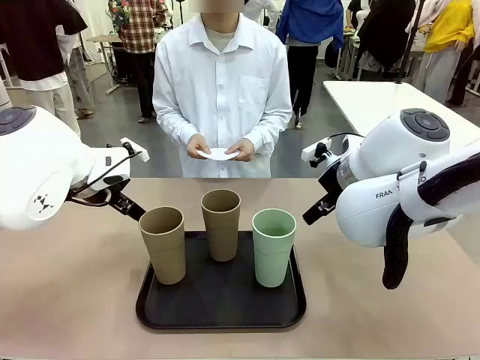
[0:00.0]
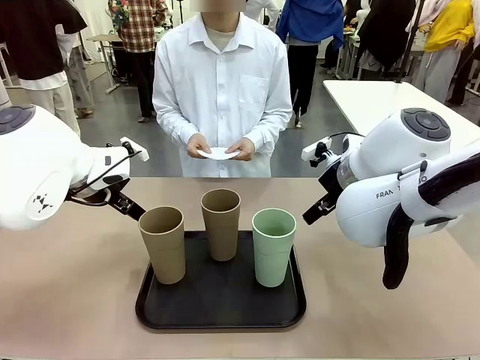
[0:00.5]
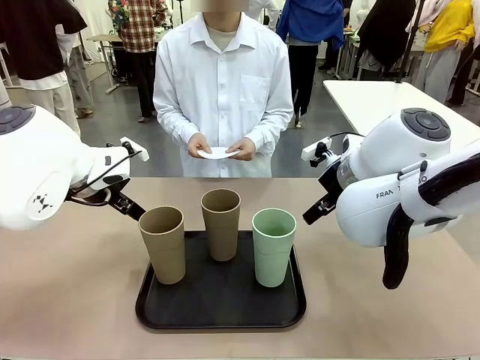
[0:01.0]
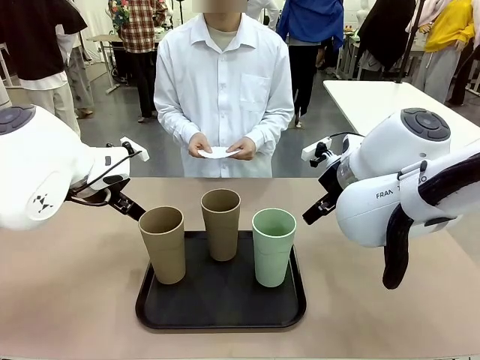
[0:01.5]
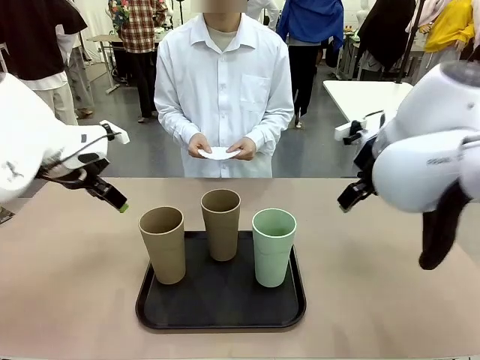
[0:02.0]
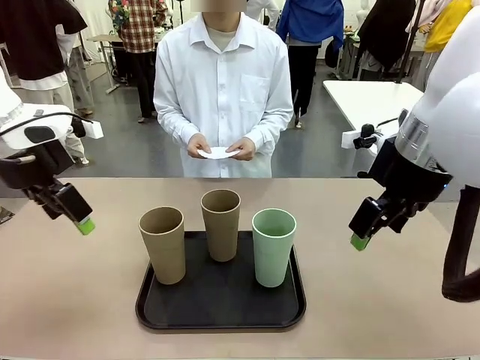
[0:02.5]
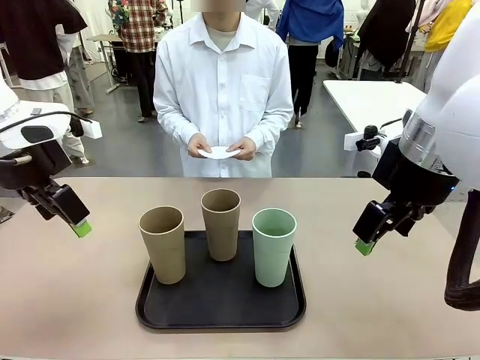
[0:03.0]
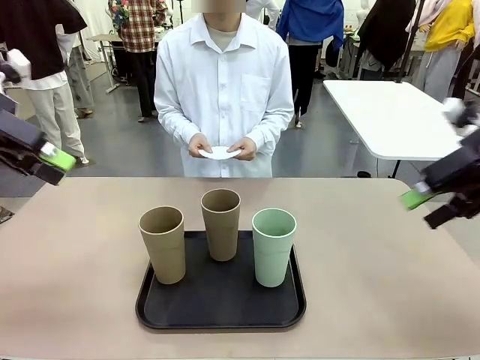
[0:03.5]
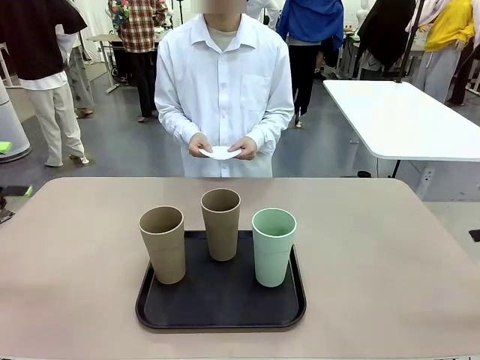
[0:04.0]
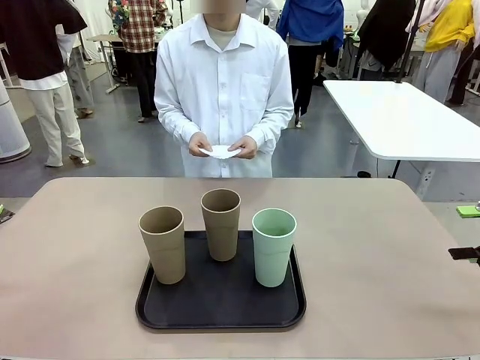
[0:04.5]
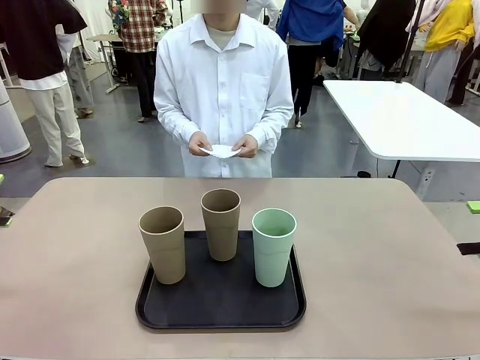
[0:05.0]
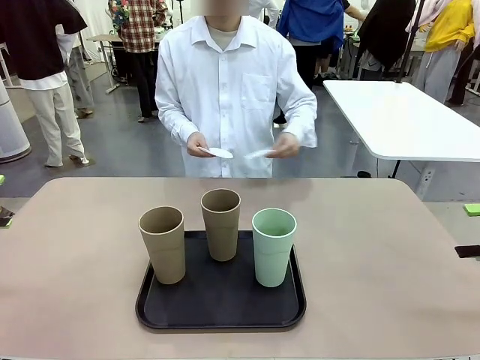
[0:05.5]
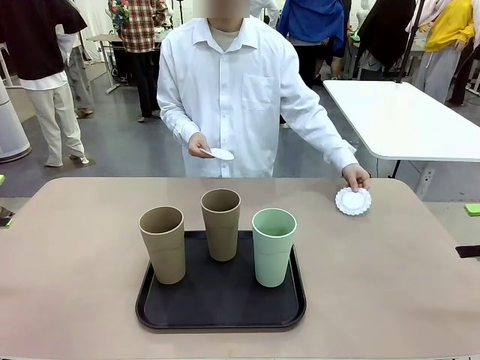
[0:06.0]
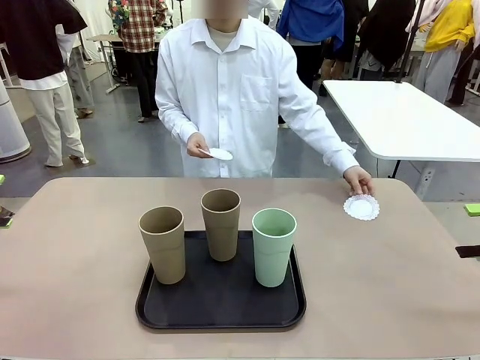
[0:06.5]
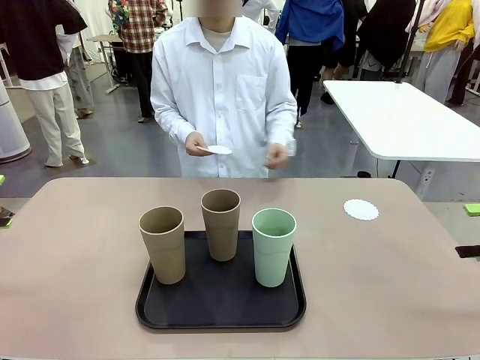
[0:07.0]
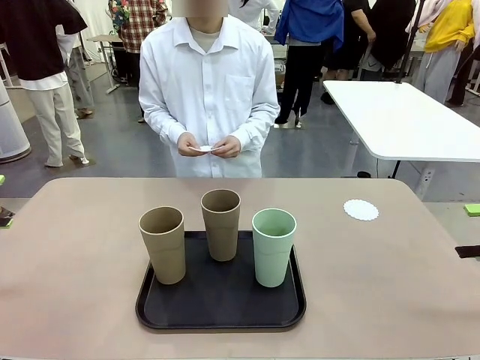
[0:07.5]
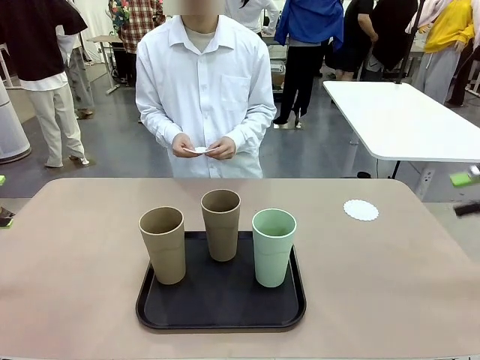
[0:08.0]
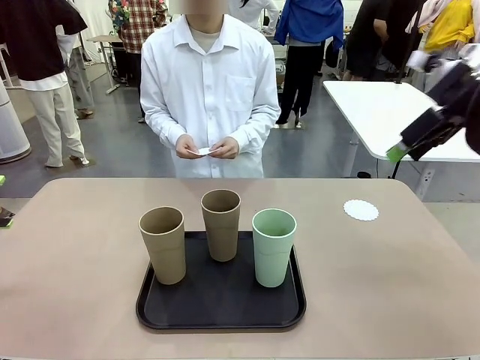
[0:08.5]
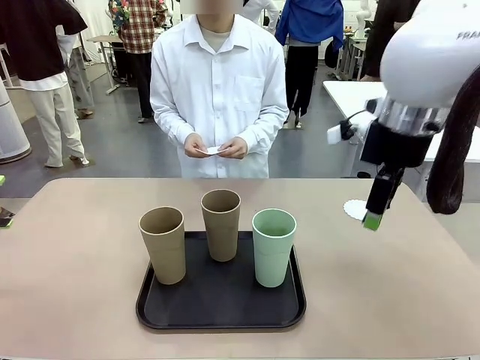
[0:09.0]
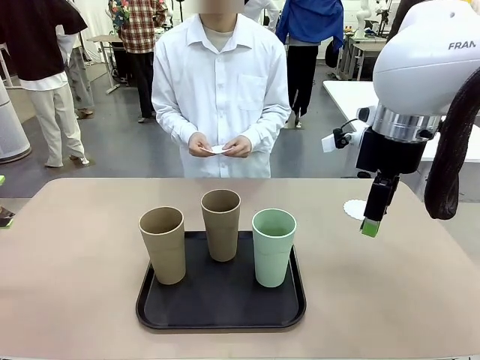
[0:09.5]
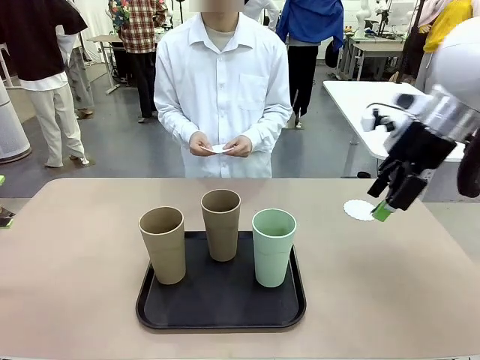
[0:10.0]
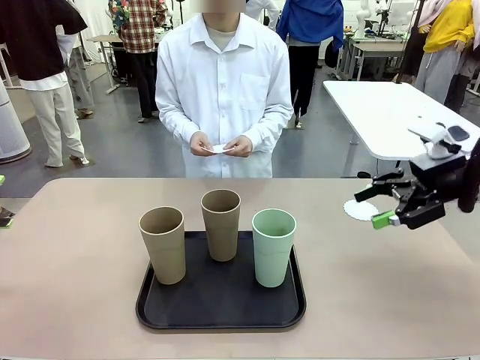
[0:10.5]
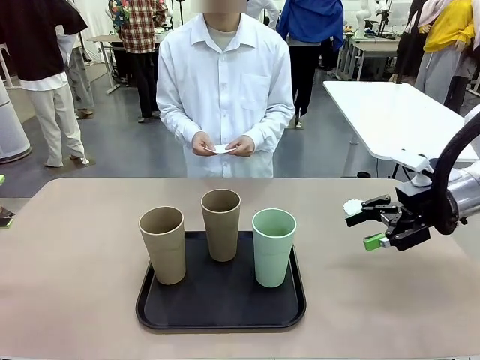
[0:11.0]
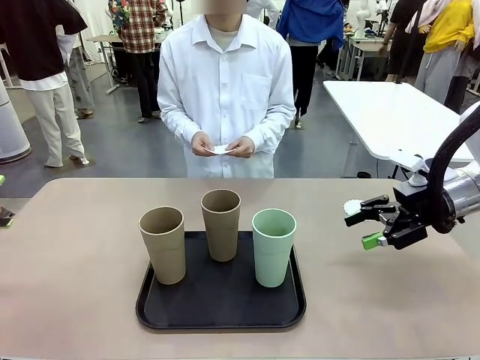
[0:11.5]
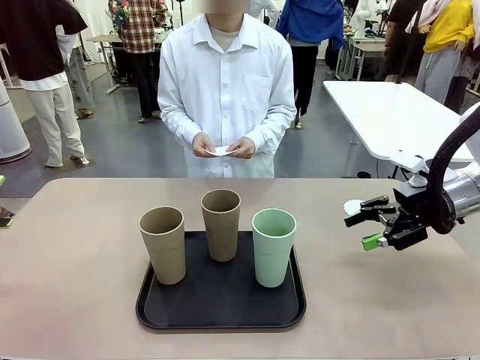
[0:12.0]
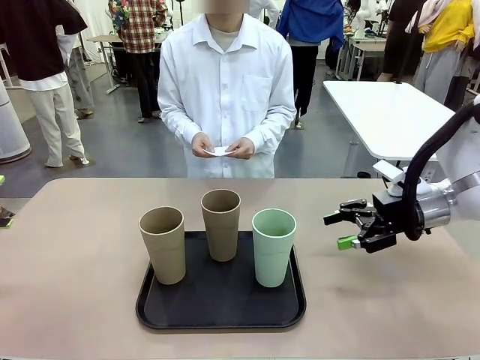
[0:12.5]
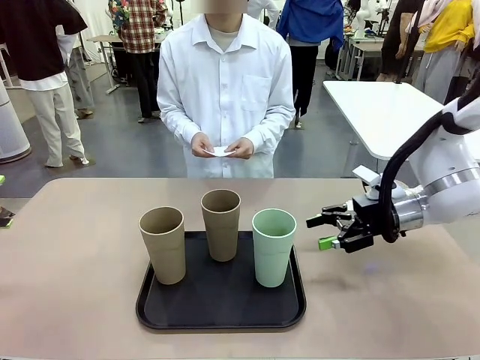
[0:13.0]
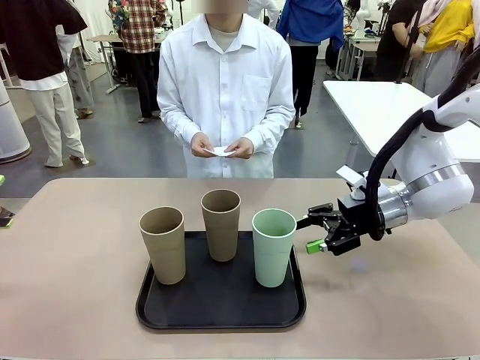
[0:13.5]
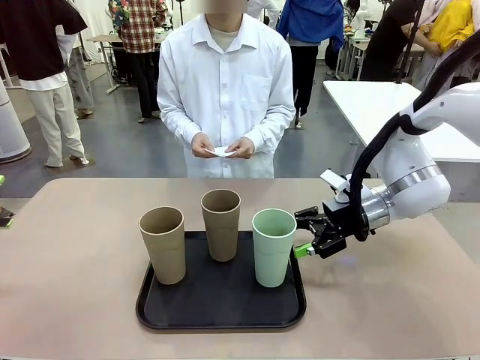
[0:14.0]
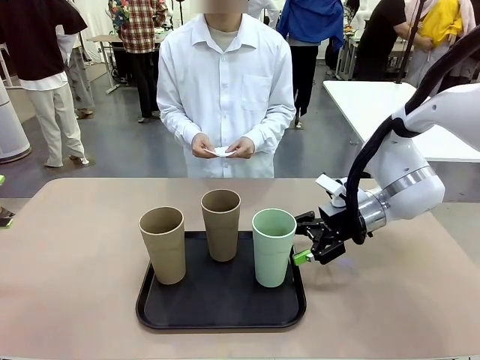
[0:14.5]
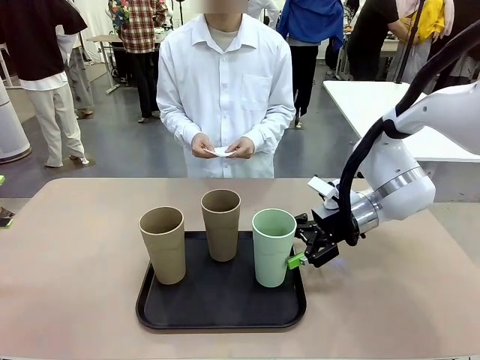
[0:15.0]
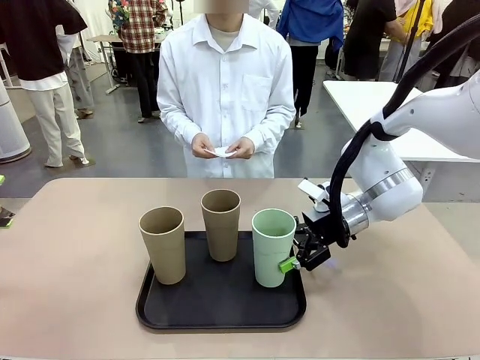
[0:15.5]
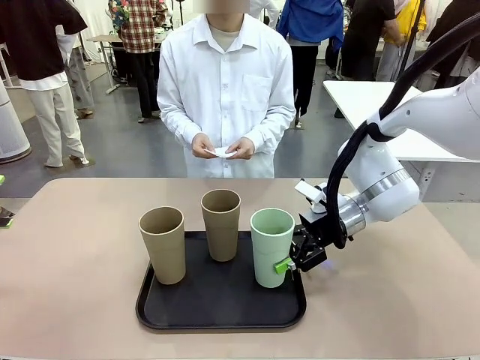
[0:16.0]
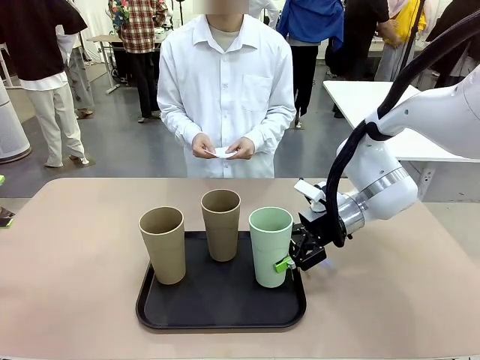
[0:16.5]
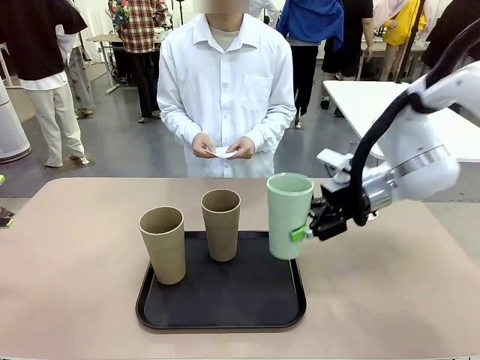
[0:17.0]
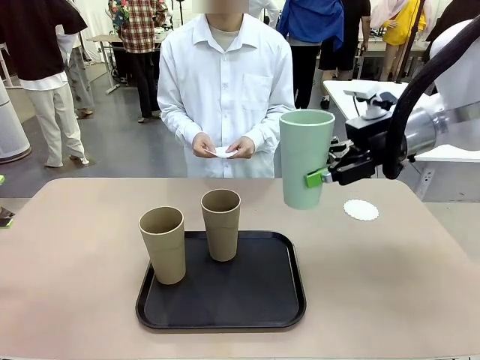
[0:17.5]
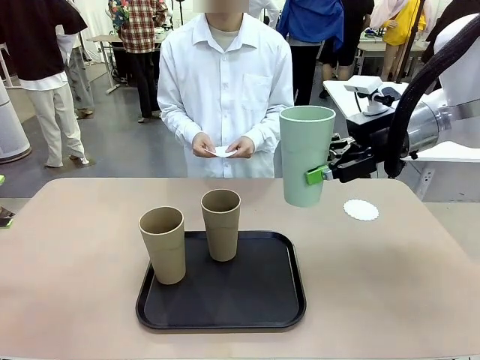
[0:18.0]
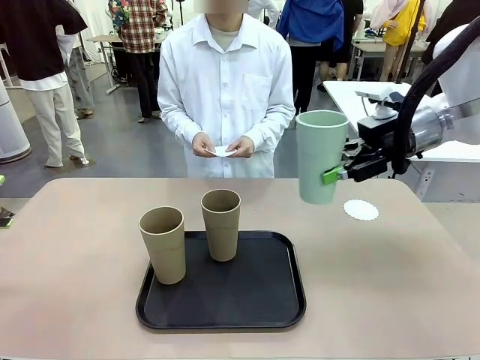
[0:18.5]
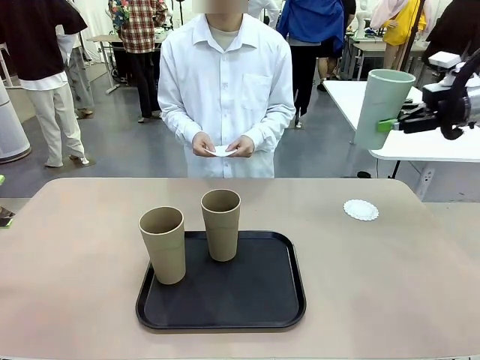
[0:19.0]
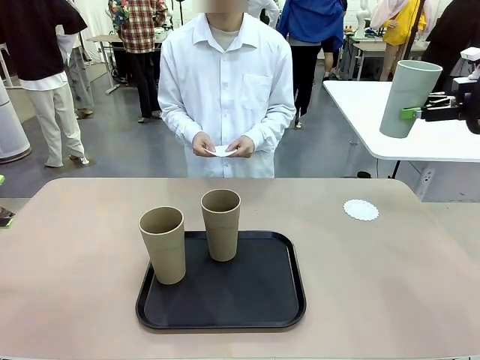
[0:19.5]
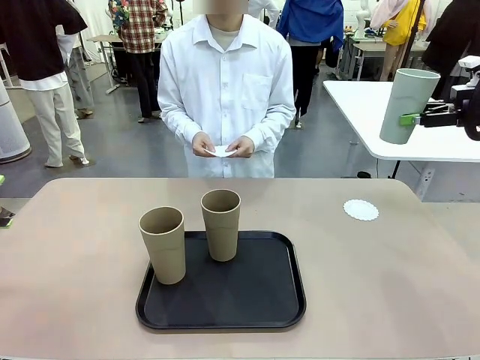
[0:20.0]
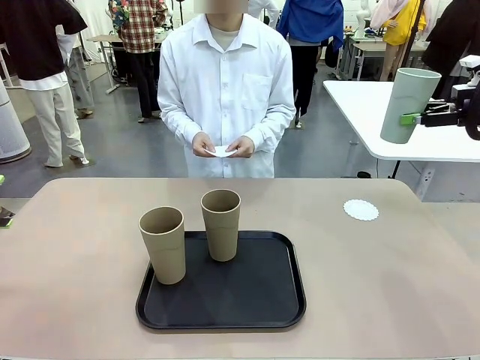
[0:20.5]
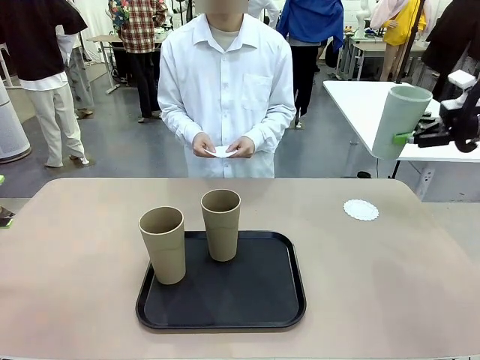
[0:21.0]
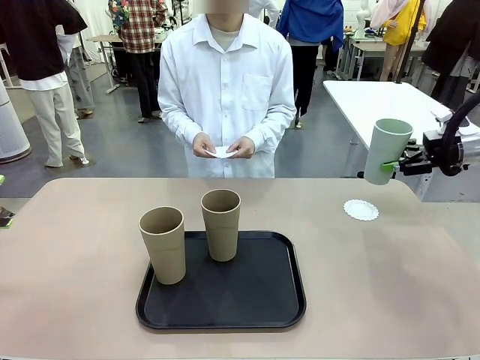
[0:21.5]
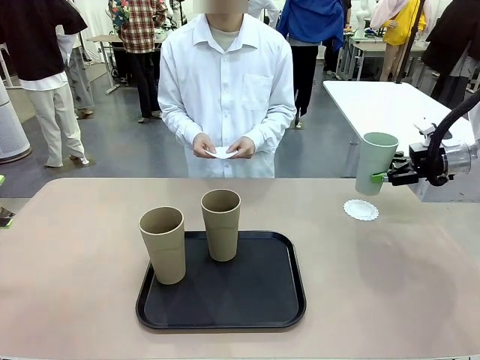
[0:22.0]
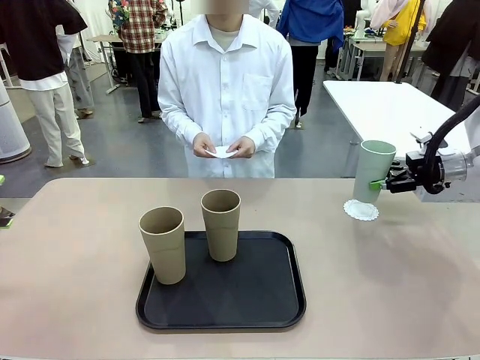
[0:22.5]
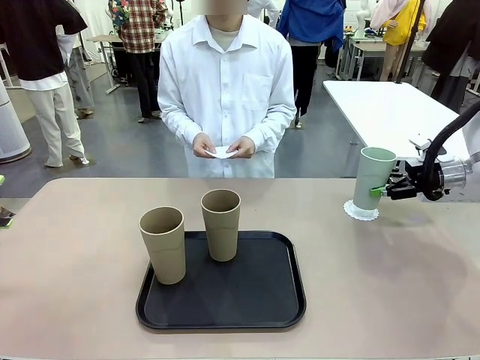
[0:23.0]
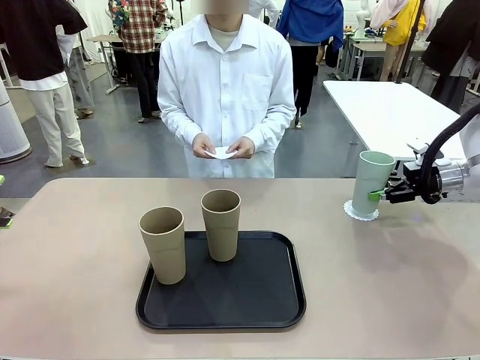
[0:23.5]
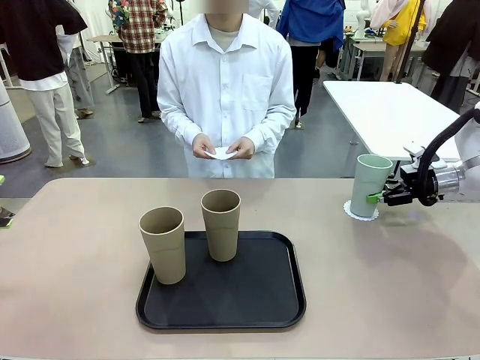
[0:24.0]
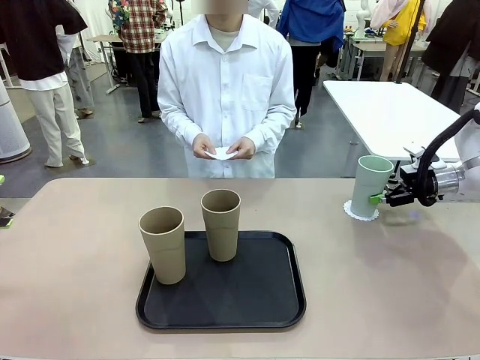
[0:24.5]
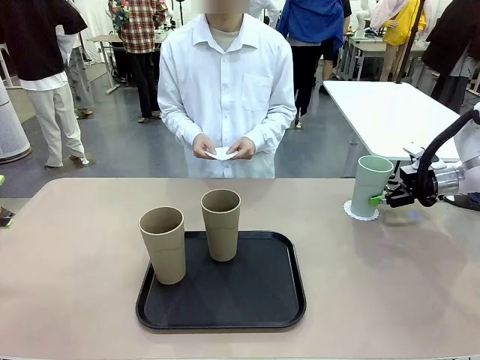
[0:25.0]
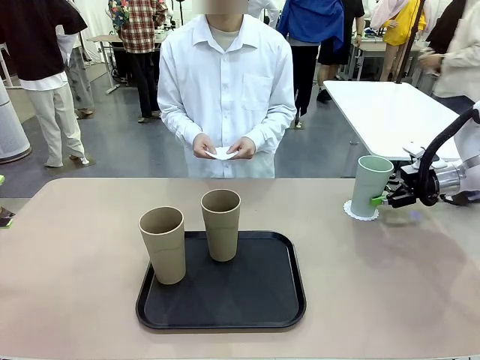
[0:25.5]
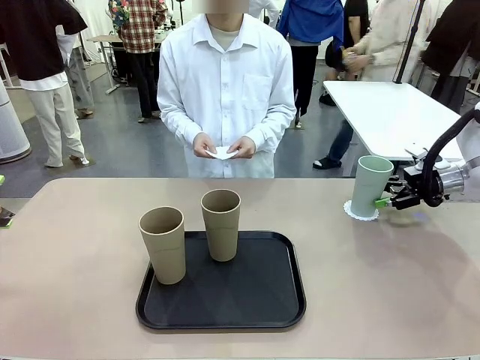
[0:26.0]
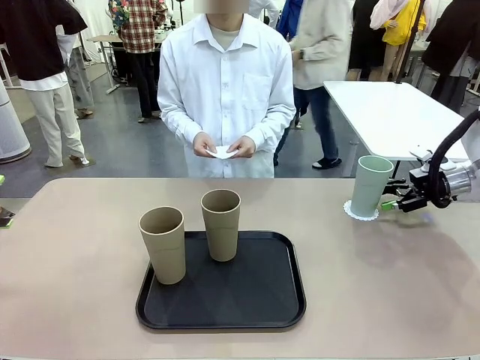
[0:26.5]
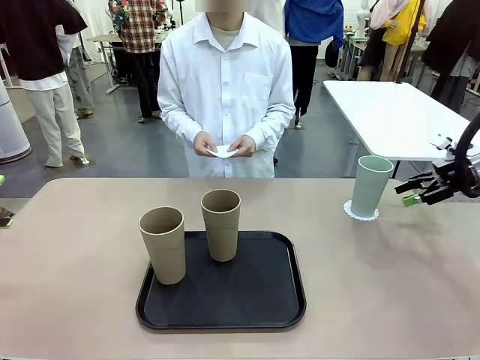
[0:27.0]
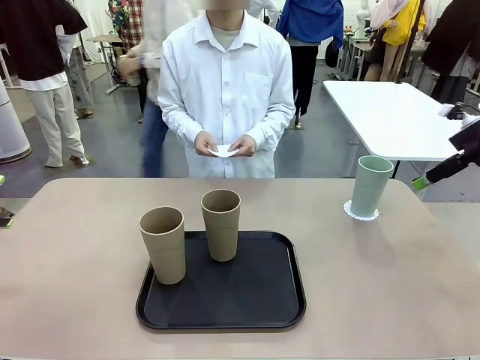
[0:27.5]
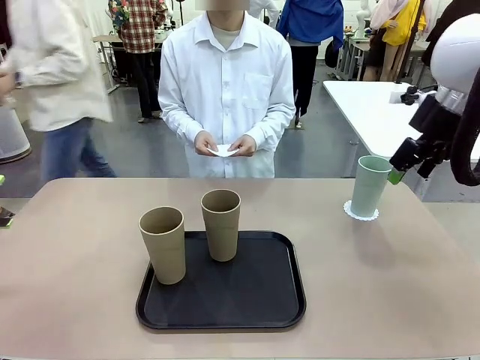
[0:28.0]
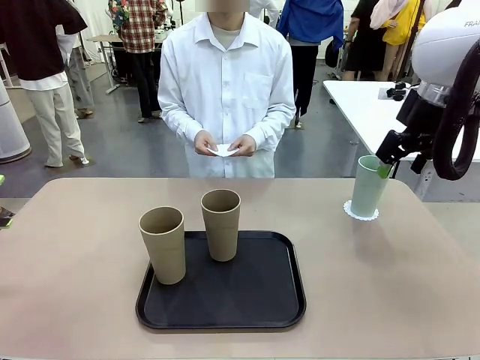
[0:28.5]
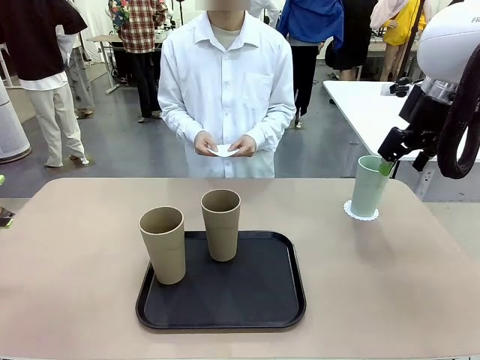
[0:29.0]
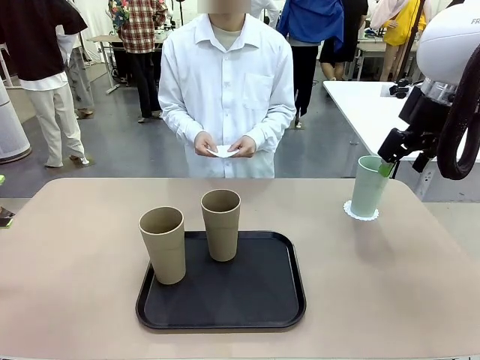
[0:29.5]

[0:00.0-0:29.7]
Task: Place coasters on the table and set cups on them.
Robot: Pick up one Reusable plastic cup and place it on a coaster set by the human.
Person: Place one coaster in any one of the three lower areas of the robot table (left, center, or right). Place one coaster in one of the two areas excluding the previously selected area.
